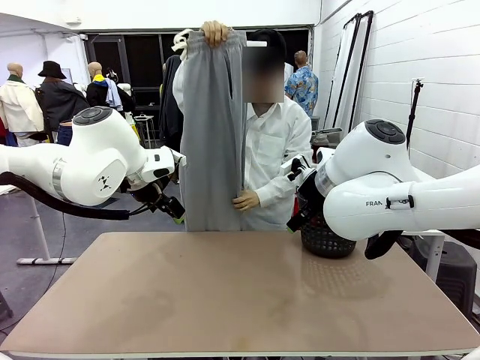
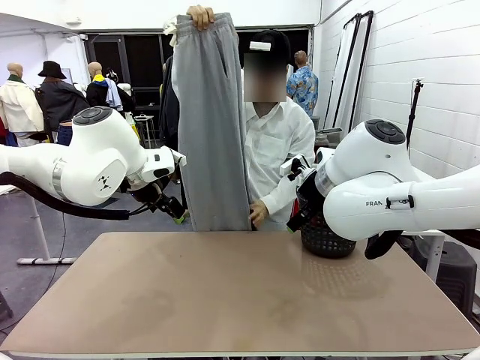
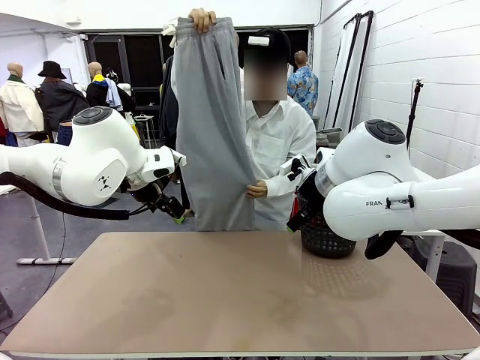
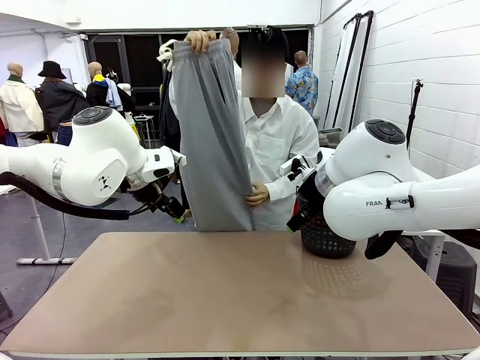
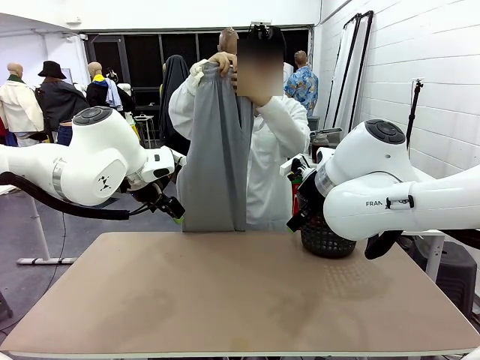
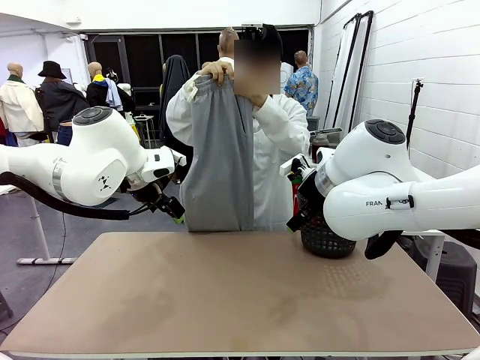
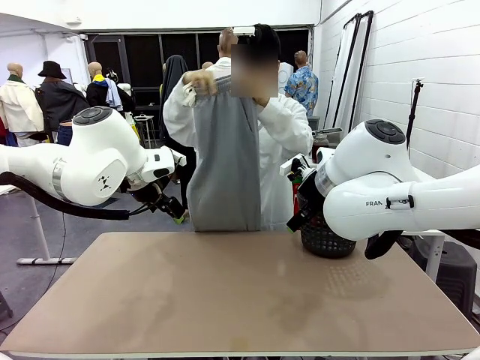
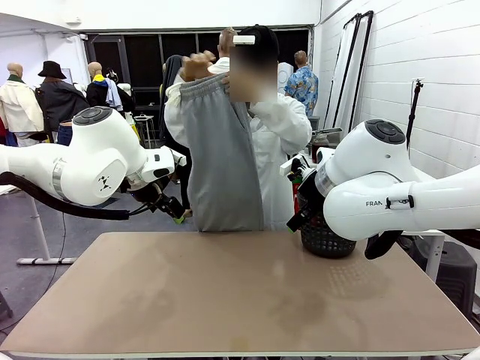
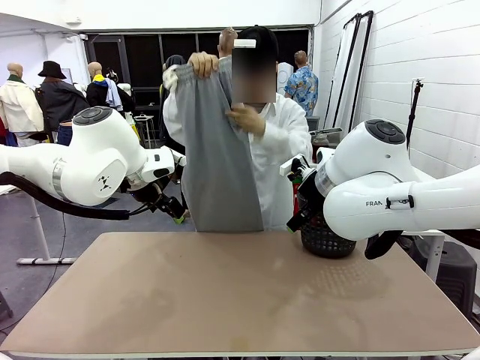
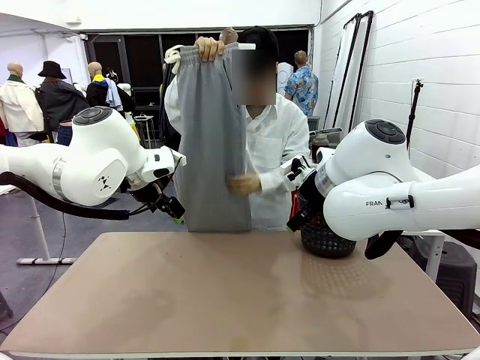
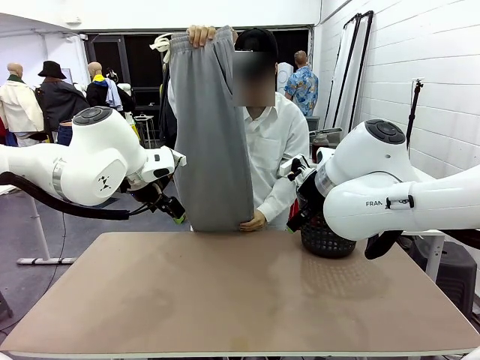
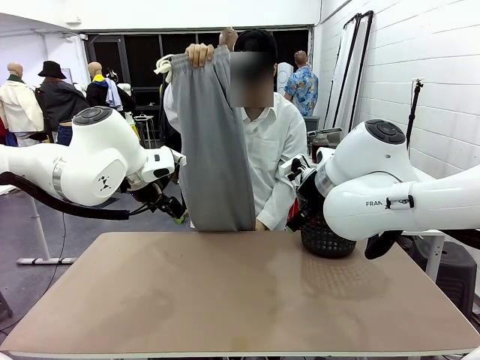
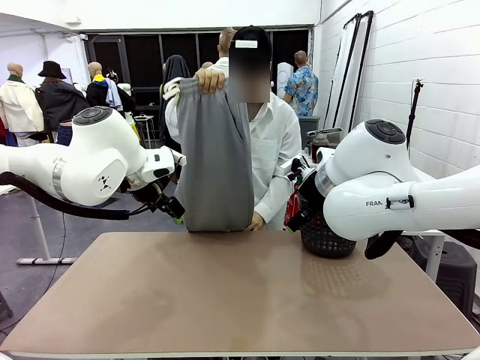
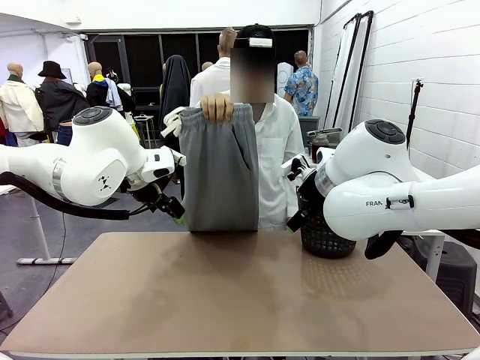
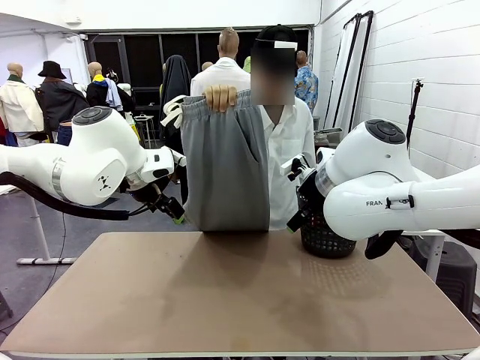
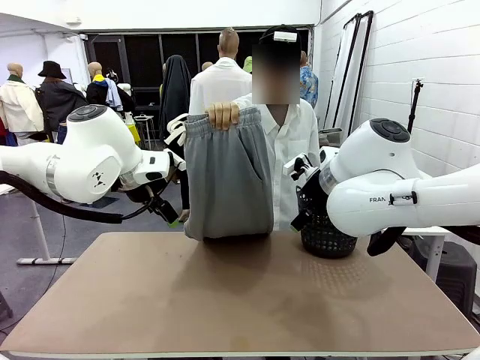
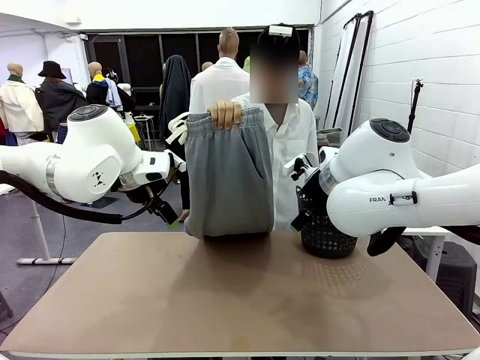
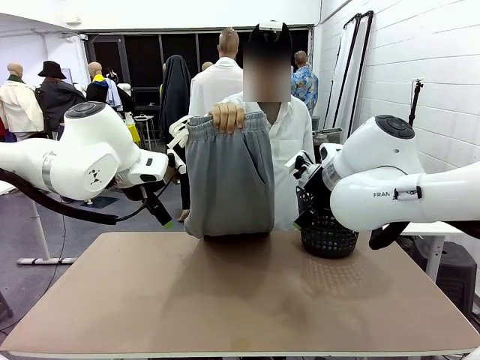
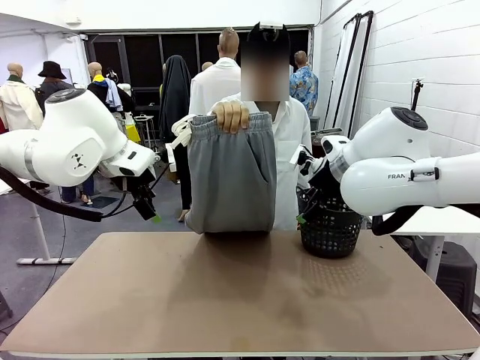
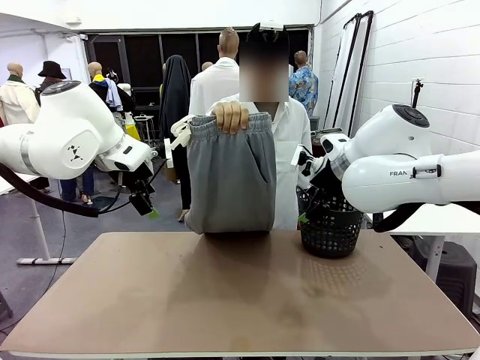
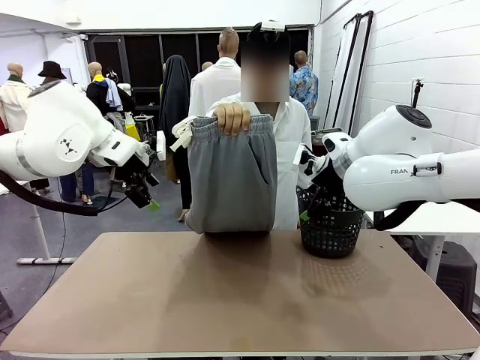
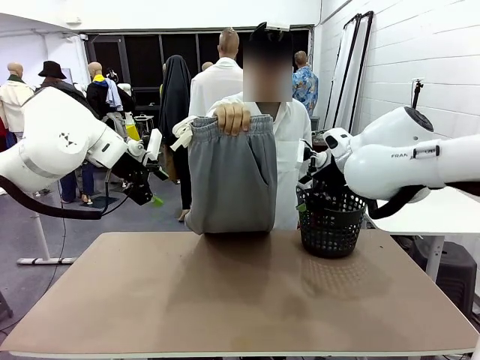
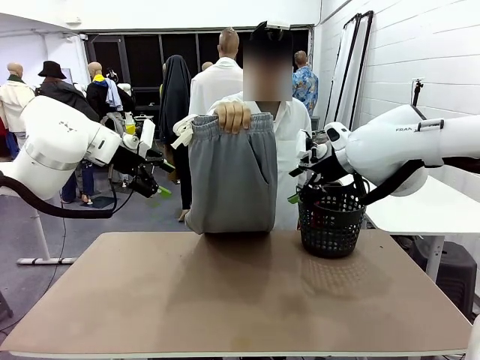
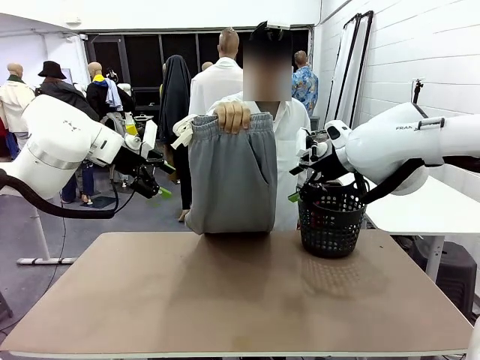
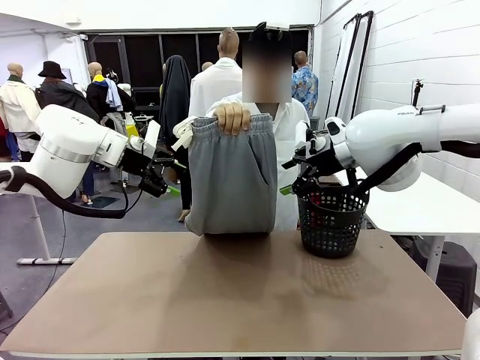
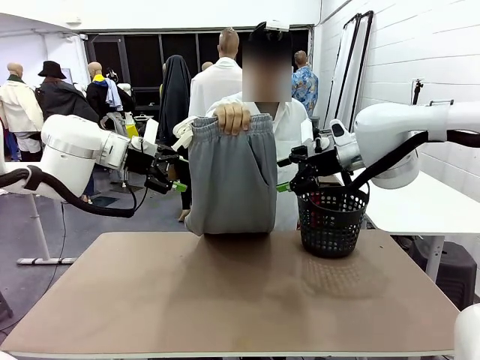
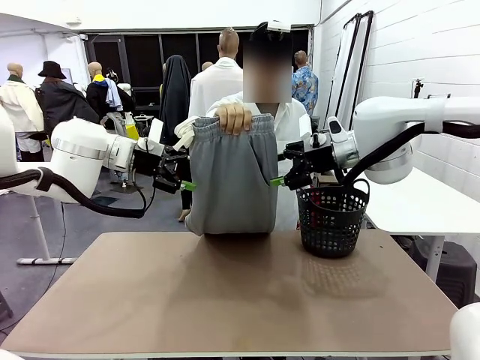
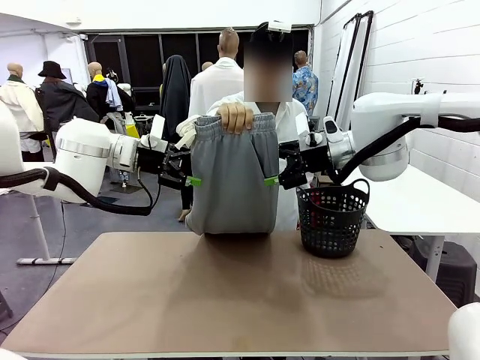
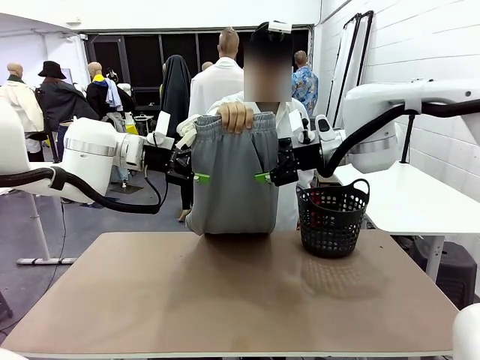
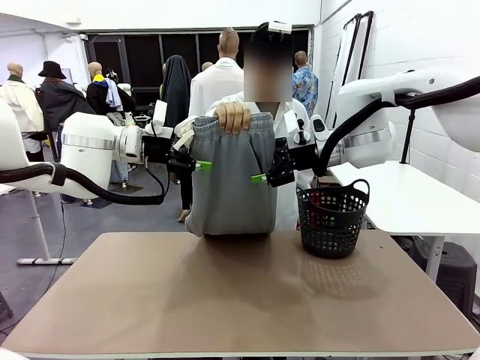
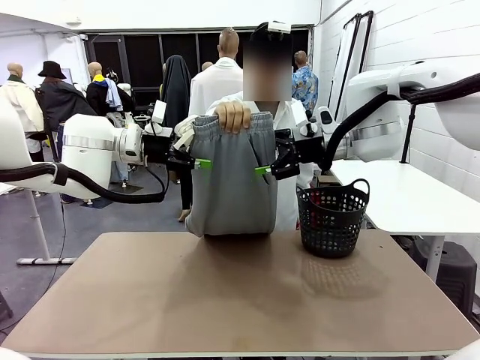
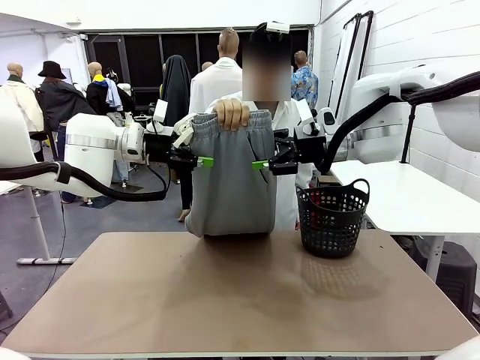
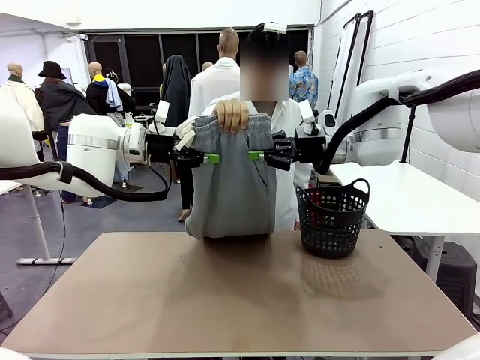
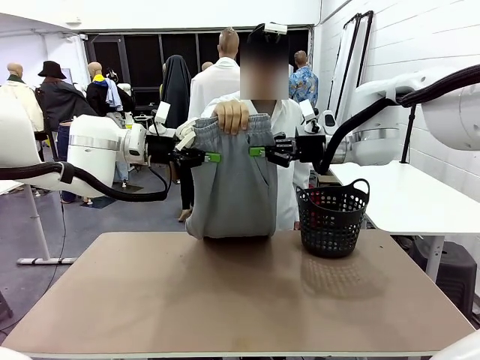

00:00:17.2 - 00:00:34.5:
Task: Fold the training pants.
Robot: Grab both ends of the Training pants handed by a person.
